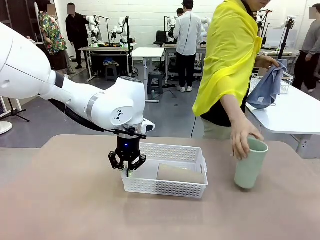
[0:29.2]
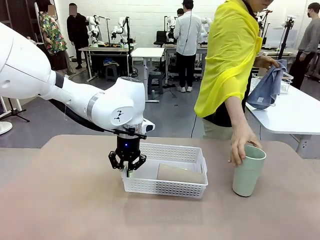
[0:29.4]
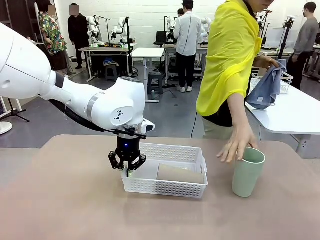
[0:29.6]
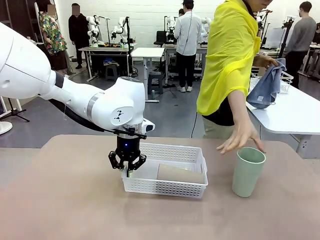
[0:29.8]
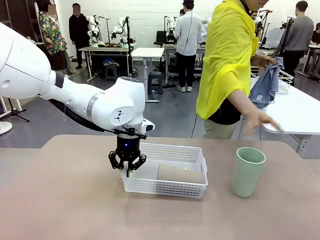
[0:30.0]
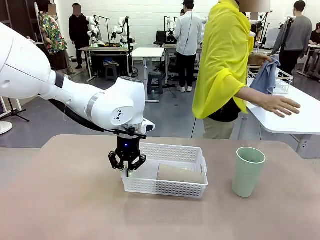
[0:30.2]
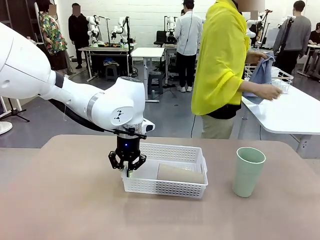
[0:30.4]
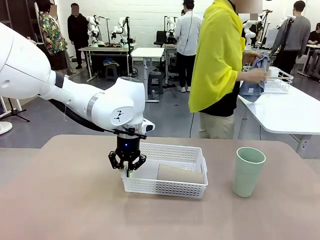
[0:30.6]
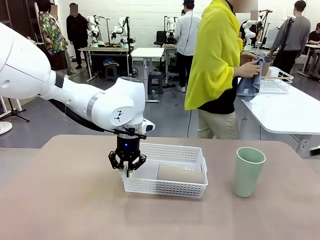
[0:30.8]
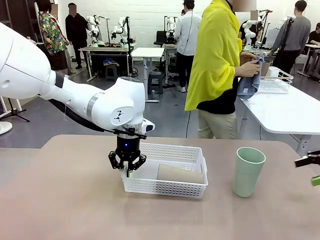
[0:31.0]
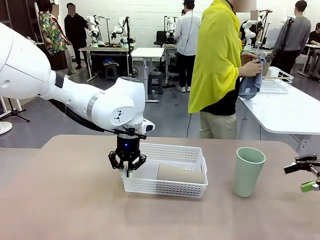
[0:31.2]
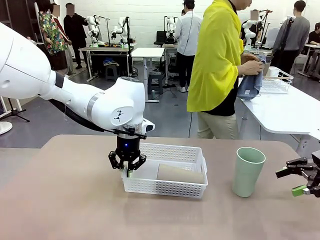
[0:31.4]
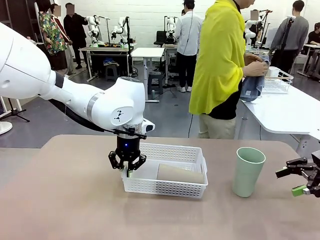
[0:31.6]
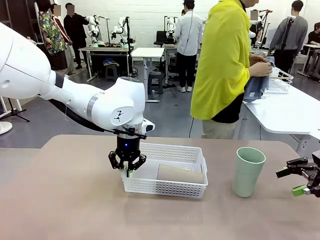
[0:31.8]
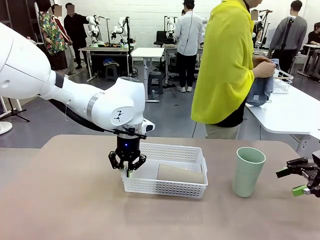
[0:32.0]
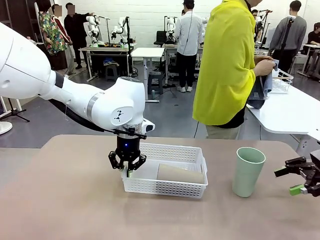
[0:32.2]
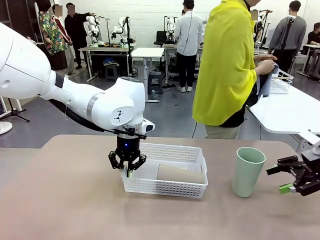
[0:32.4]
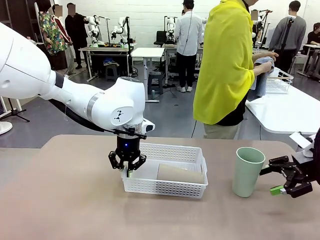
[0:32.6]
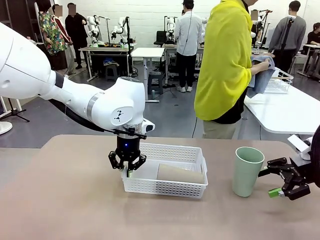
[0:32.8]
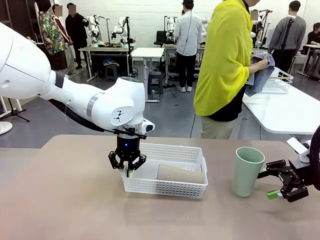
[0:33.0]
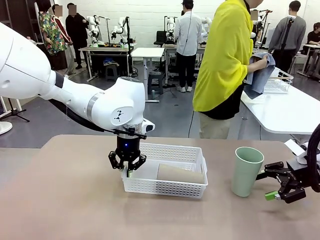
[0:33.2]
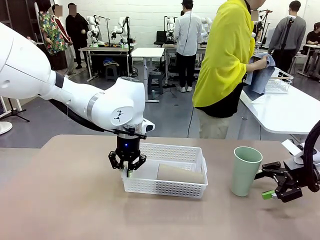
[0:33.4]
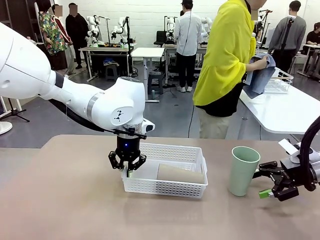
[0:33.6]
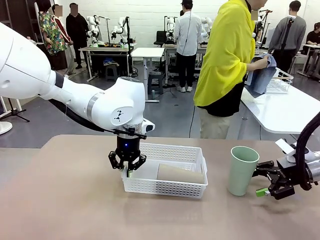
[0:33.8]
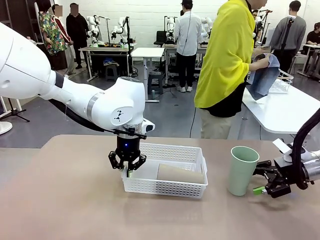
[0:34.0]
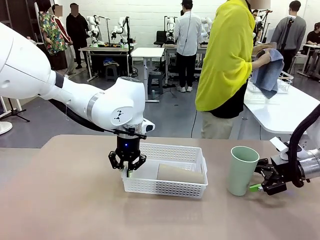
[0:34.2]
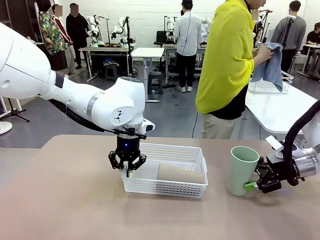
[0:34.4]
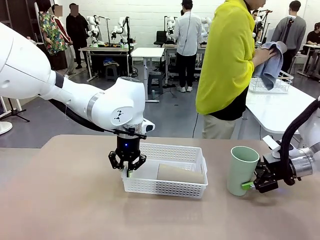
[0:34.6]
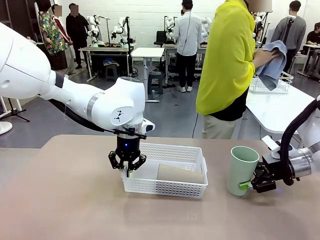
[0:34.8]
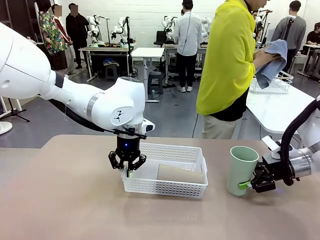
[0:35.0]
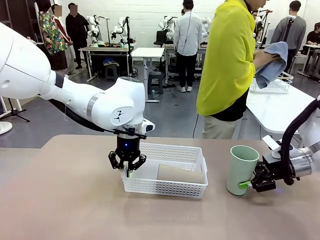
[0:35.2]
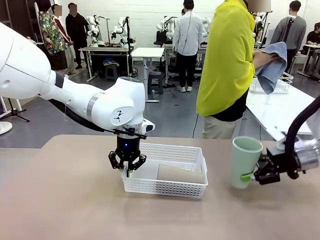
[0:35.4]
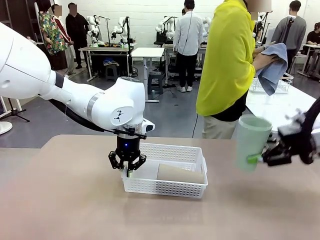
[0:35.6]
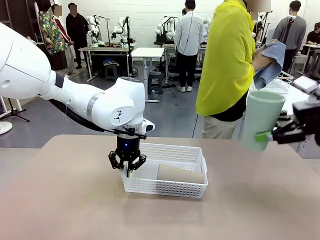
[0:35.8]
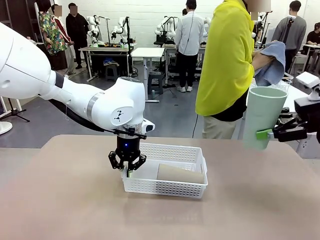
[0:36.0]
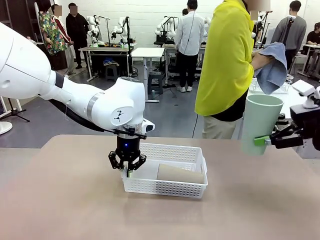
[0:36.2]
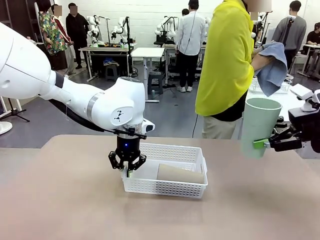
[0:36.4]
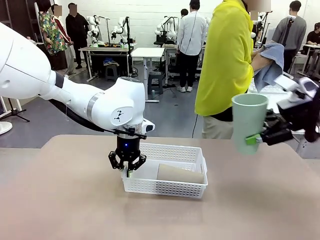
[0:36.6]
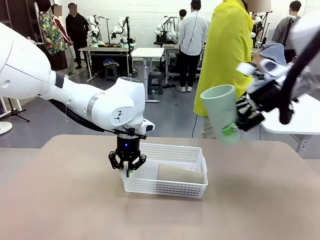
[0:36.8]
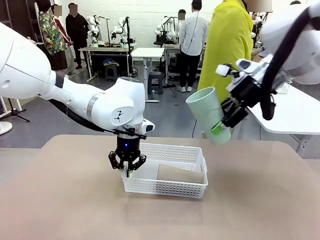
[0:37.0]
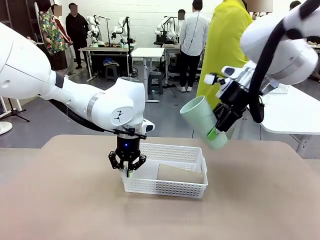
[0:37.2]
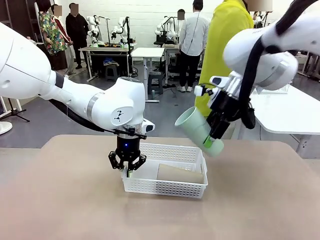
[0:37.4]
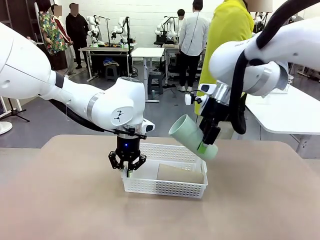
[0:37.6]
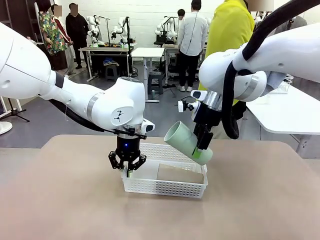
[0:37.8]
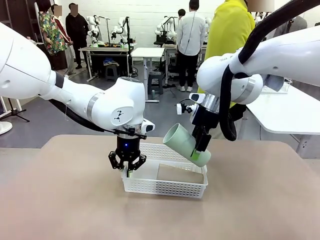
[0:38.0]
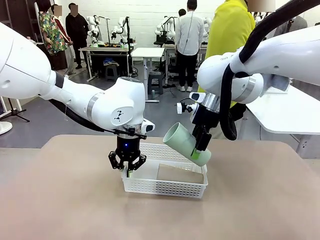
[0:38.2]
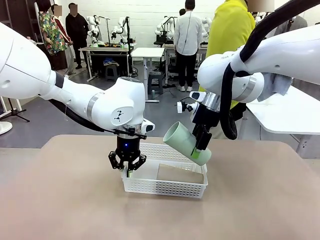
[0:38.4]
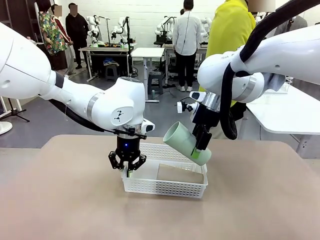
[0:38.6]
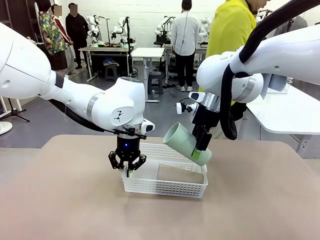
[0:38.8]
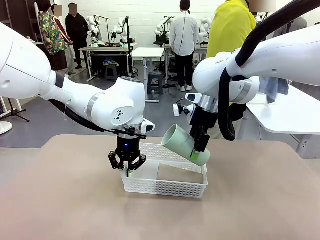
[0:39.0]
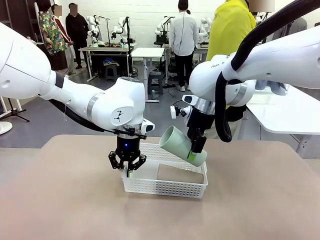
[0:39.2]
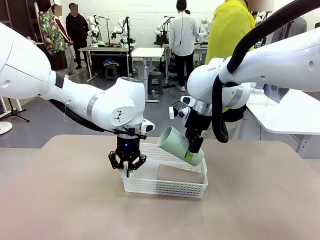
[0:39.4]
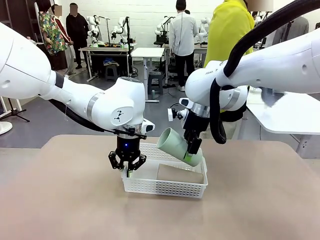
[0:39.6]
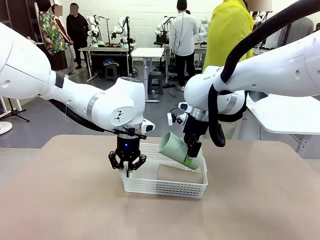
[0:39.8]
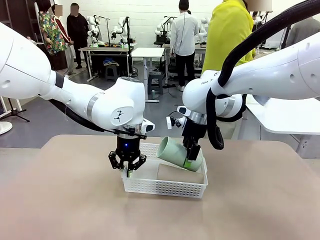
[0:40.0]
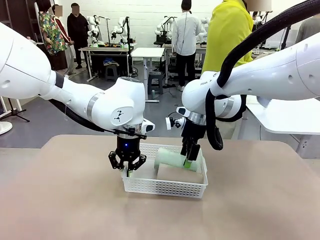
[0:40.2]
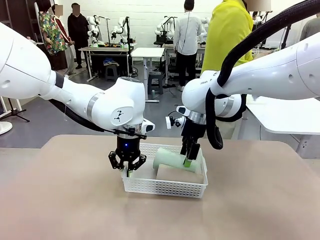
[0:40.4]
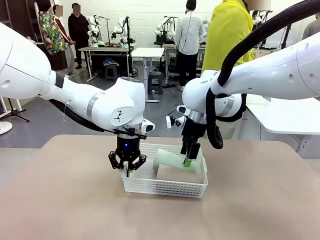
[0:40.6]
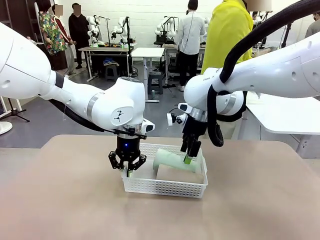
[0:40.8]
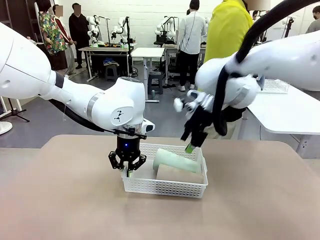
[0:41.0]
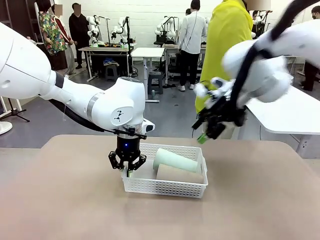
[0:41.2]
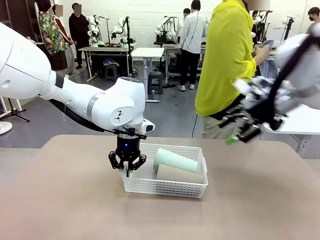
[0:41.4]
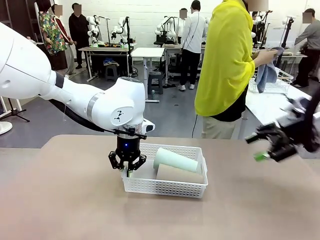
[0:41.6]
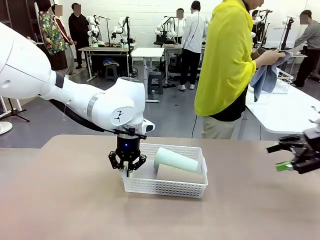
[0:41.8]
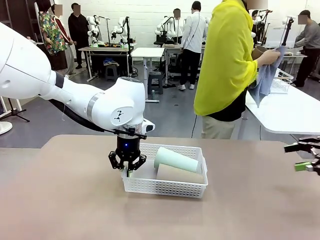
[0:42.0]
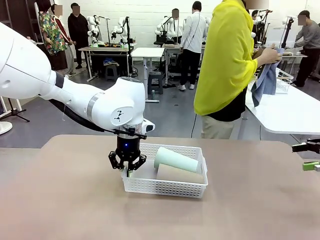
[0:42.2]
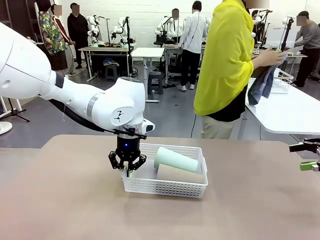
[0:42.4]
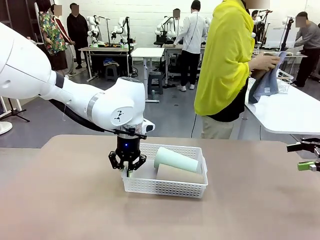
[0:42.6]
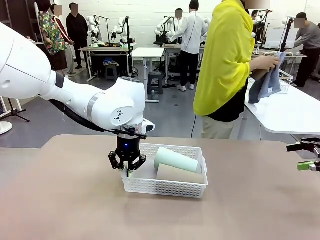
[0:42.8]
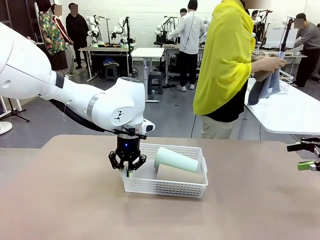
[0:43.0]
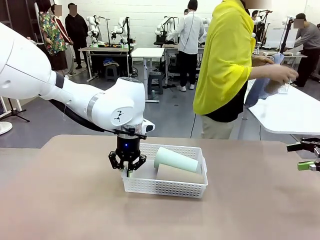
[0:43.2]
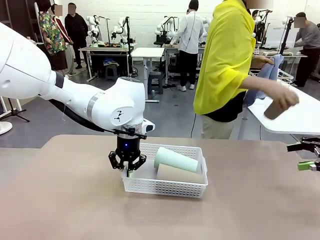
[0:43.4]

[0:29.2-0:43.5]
Task: Clean and organize the cups into the basket.
Robot: Pick up the Reusable plastic cup from the right side of the table and stack it inside the Organizing basket in the center of the table.
